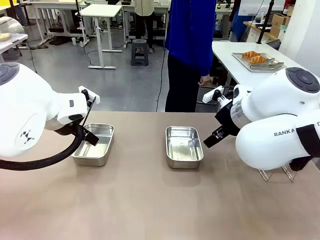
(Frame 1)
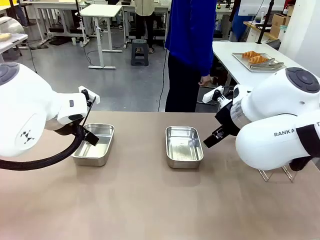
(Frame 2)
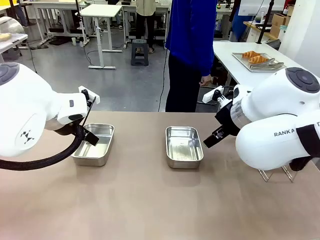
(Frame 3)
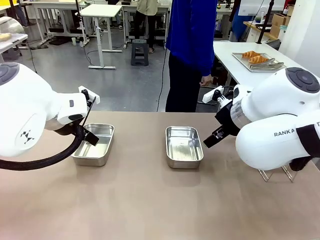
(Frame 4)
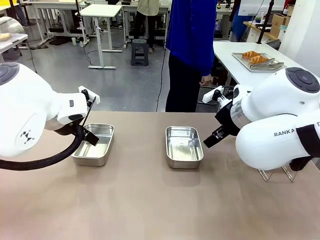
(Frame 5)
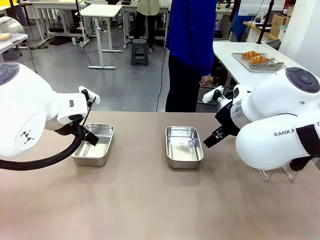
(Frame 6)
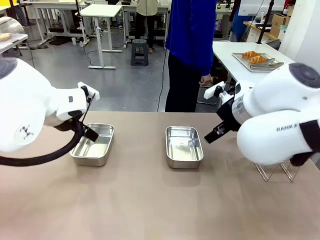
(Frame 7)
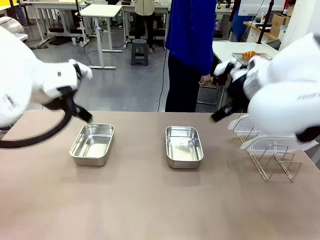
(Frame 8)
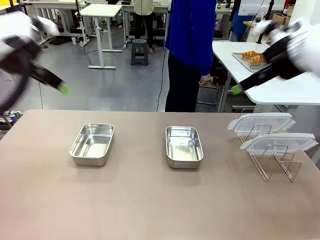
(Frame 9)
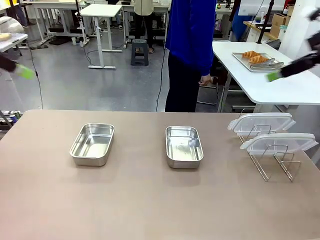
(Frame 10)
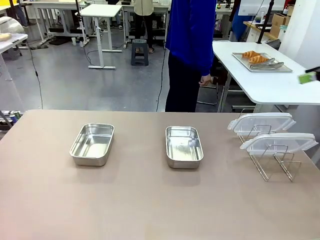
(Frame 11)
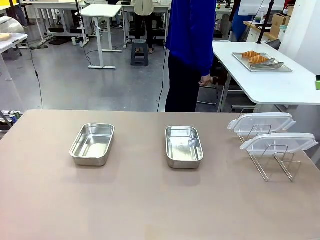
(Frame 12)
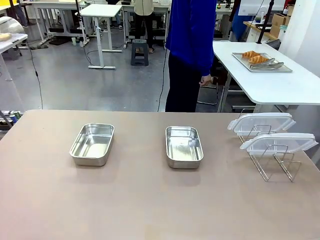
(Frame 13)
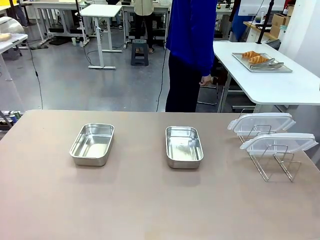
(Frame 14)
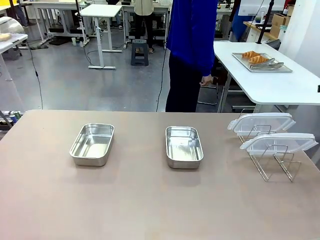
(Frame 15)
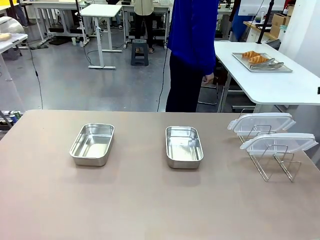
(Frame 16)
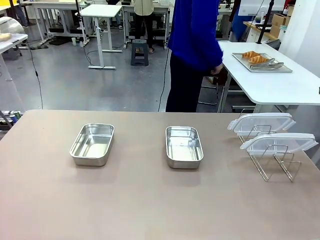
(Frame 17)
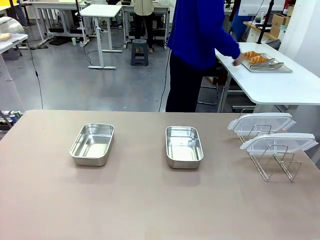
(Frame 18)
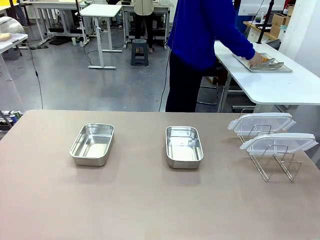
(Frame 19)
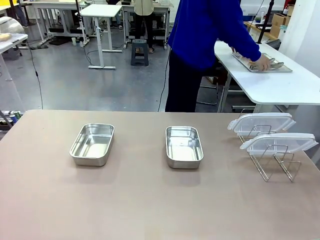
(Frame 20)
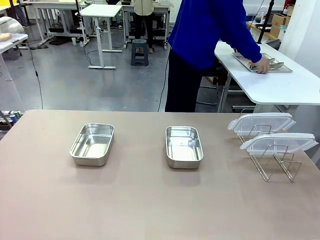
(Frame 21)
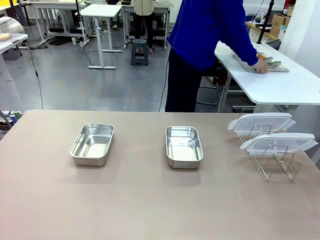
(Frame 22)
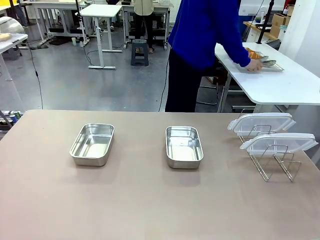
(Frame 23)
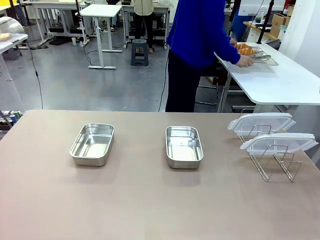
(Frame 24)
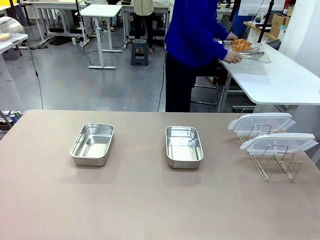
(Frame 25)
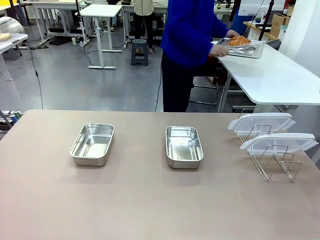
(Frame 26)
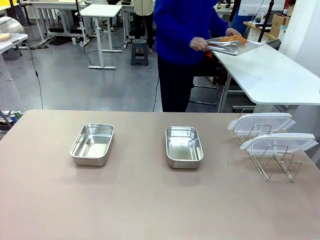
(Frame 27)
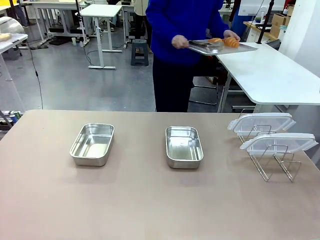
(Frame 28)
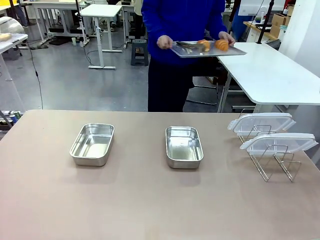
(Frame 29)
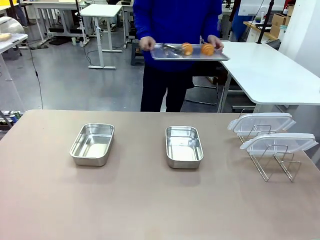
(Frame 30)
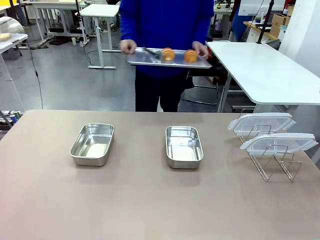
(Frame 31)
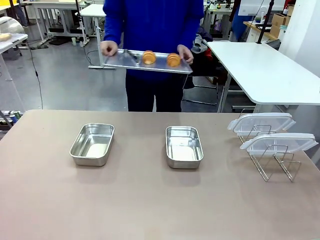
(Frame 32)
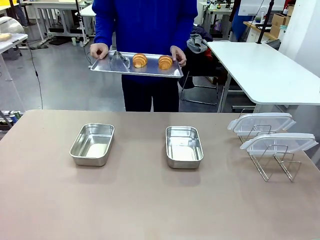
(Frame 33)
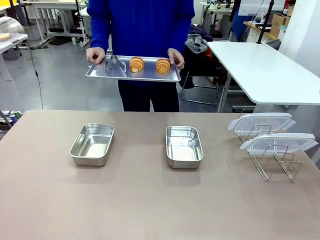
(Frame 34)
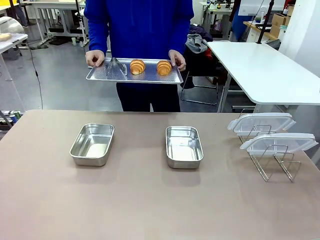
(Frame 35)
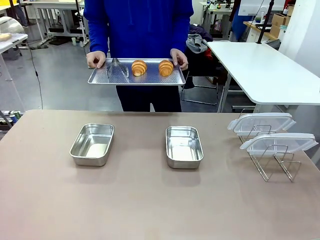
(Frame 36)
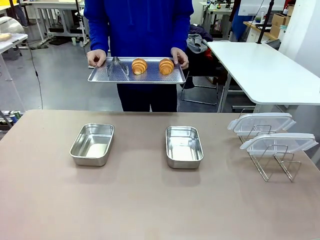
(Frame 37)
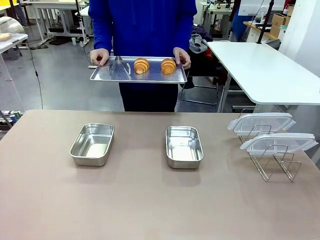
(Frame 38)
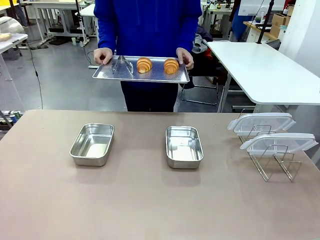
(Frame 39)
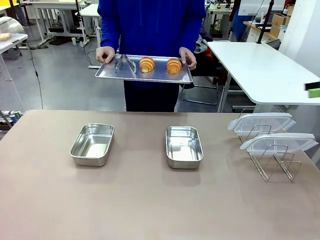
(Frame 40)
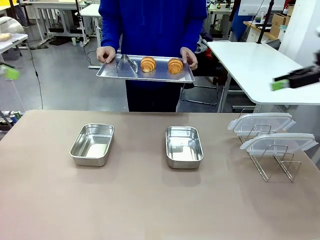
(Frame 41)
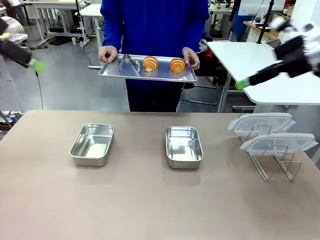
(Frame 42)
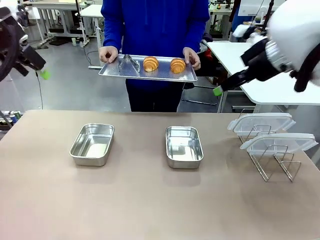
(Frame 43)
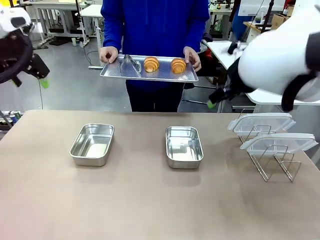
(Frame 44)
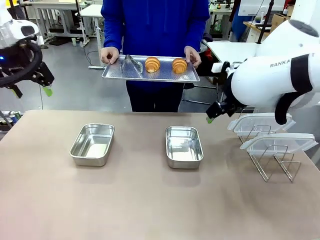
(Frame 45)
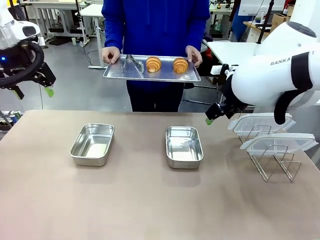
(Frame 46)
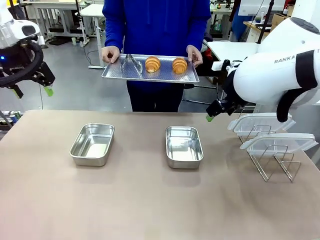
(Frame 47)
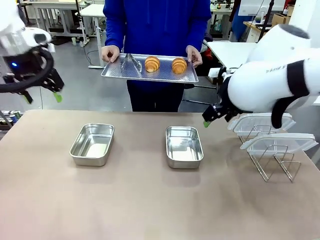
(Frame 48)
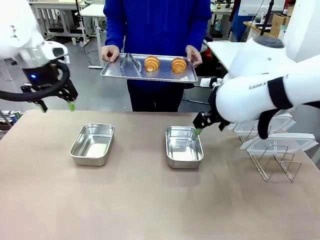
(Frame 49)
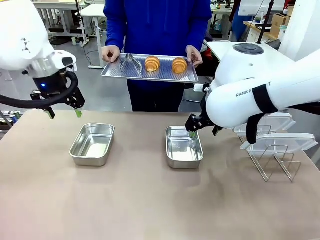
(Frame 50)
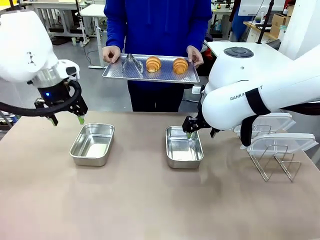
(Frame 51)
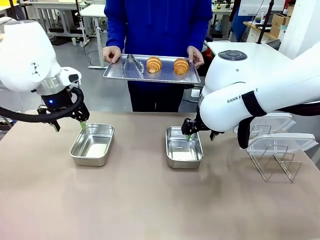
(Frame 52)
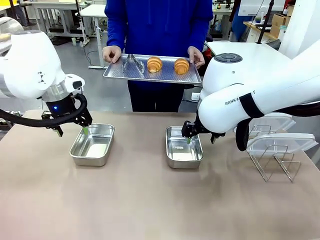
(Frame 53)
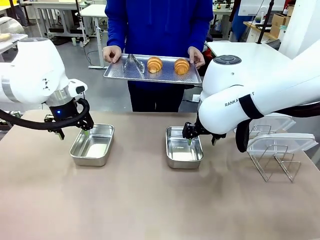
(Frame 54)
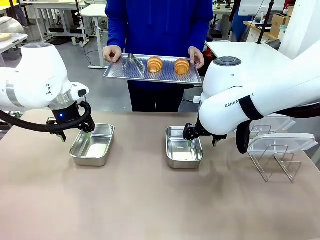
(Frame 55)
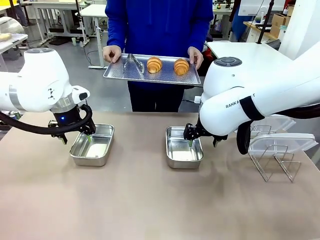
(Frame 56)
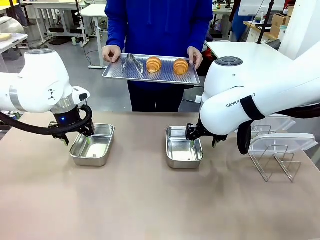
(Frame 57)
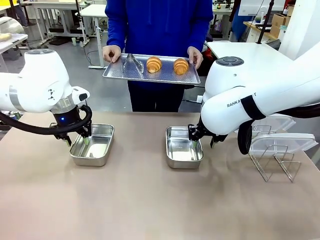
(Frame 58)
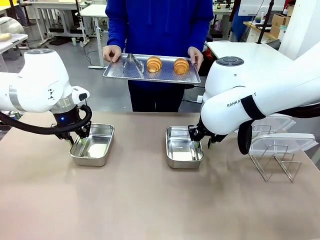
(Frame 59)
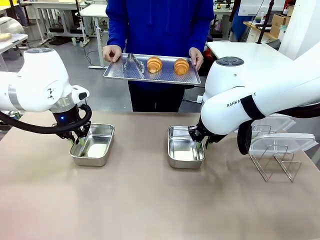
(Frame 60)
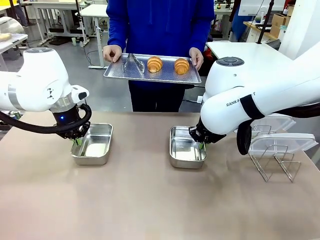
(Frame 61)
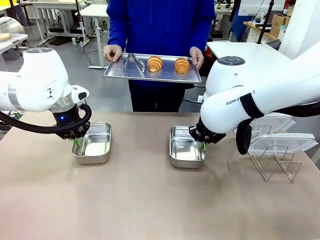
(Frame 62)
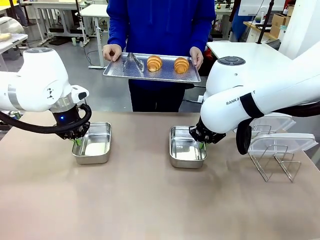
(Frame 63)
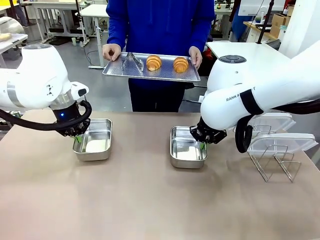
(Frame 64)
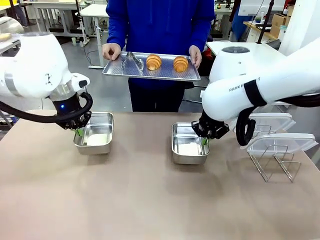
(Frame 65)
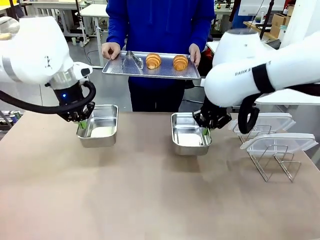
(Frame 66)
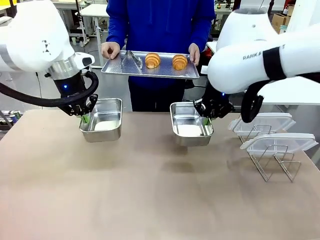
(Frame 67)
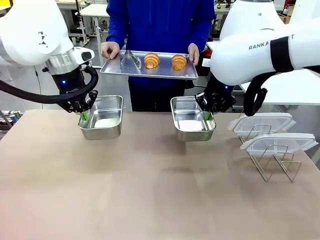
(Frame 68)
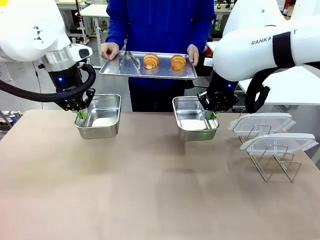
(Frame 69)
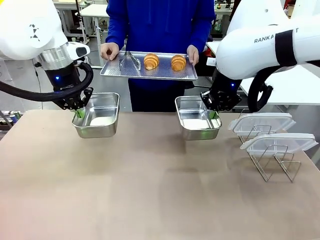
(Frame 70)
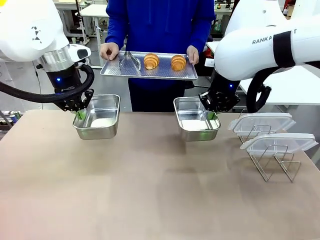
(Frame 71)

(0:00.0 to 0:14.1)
Task: Place the bread in airtight containers.
Robot: Lift both Airtight Container.
Person: Bring the Baking Sheet in front of Robot's Table.
